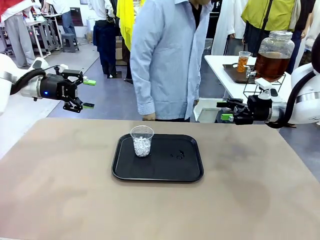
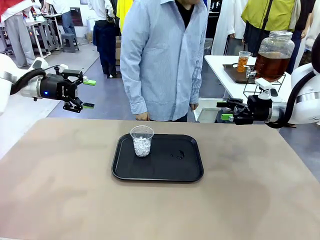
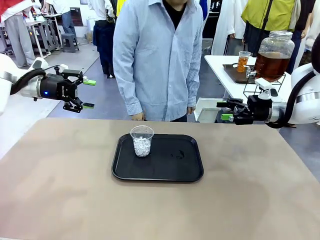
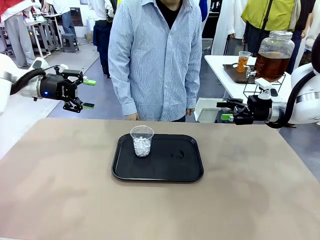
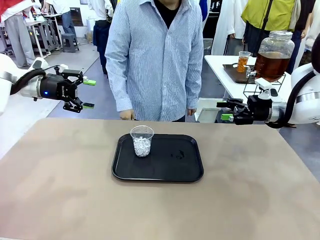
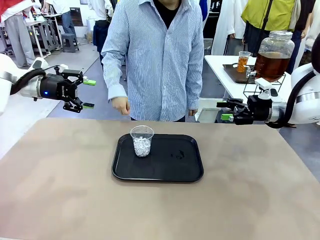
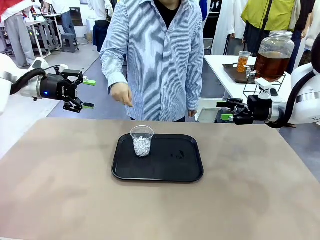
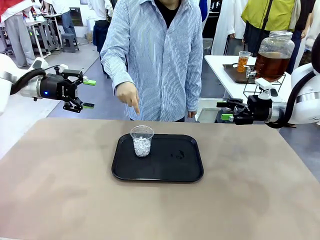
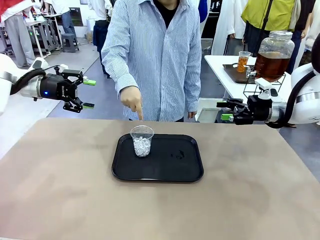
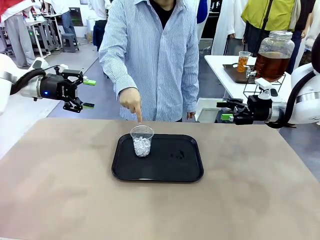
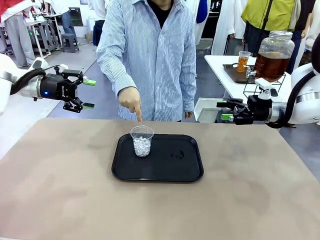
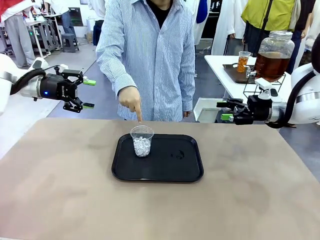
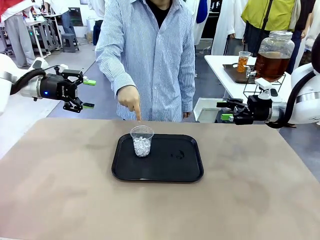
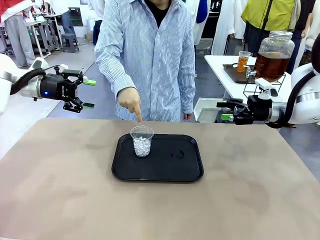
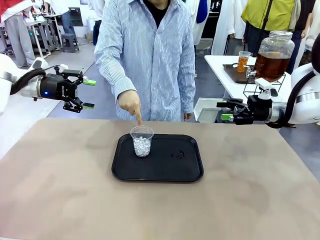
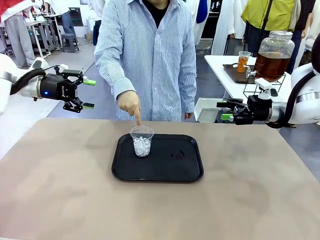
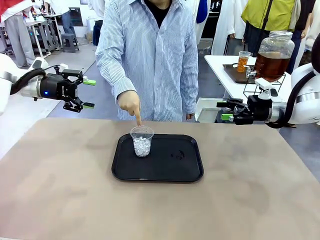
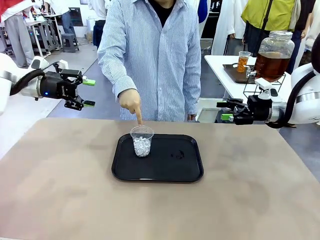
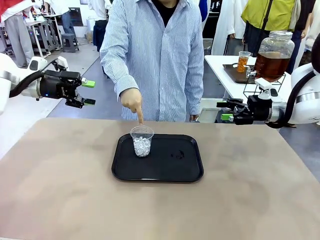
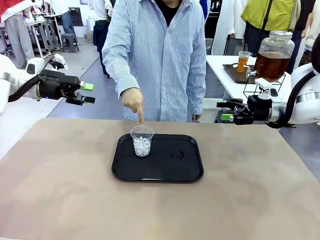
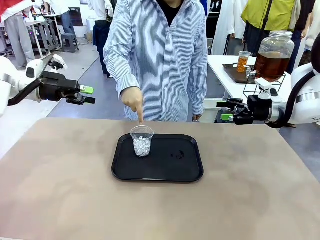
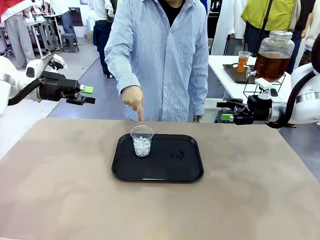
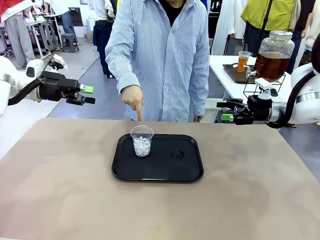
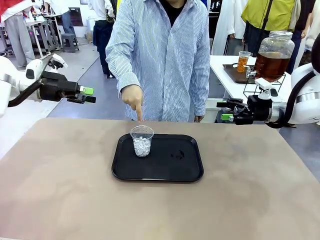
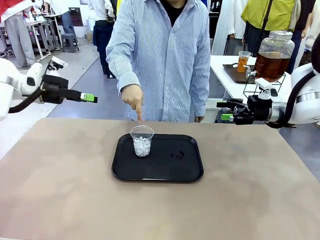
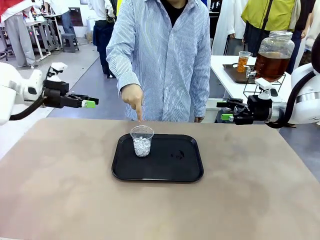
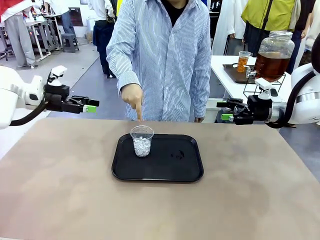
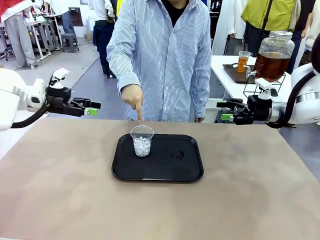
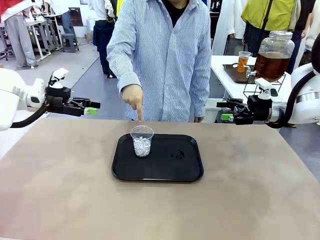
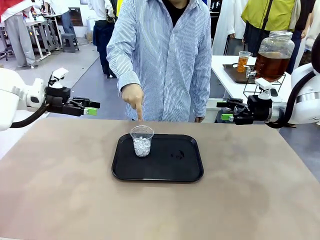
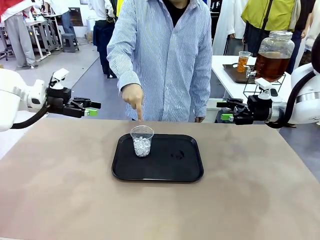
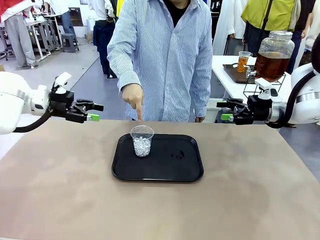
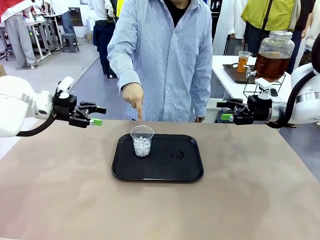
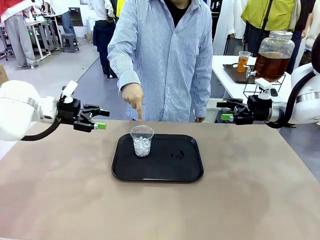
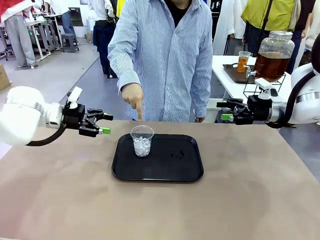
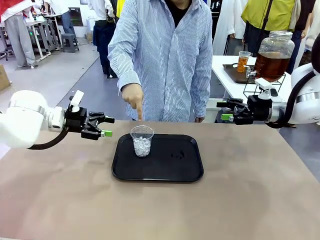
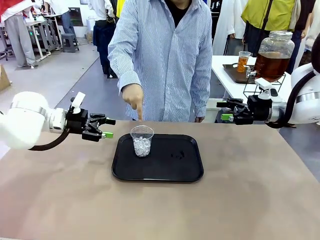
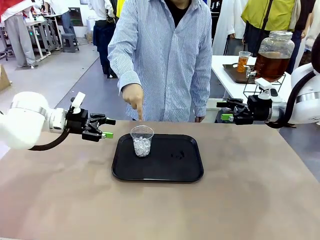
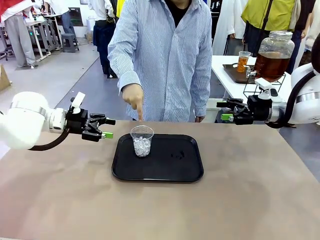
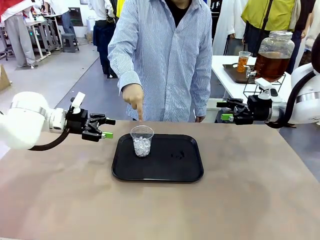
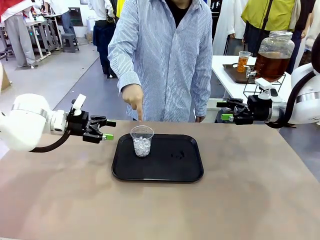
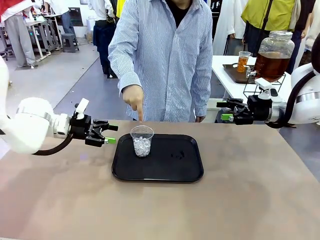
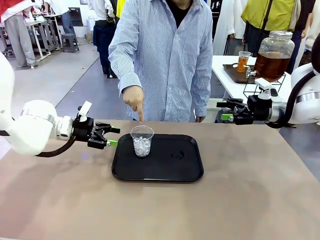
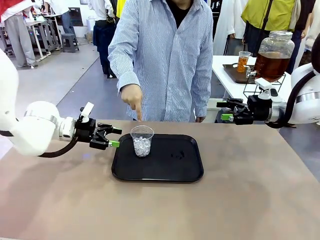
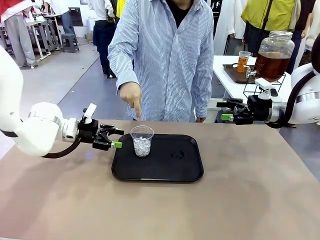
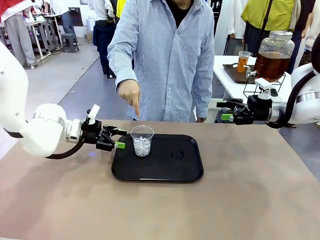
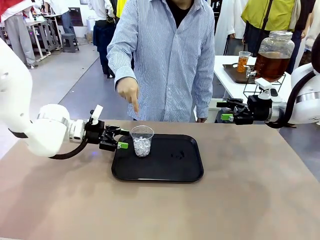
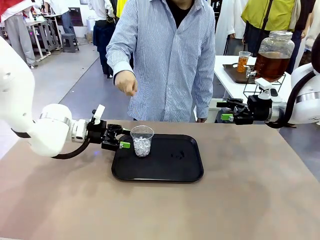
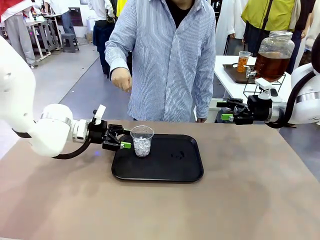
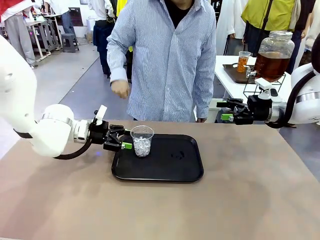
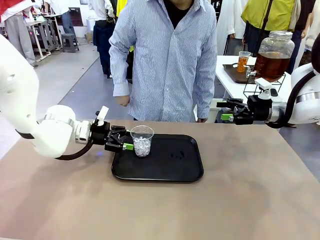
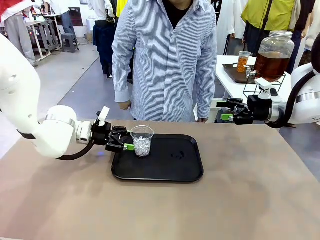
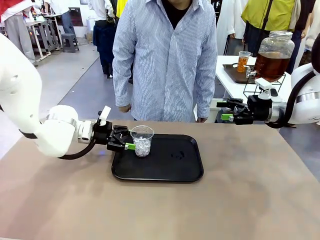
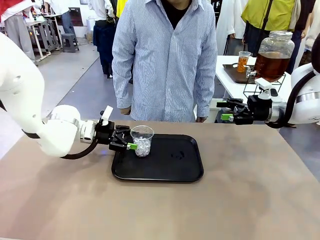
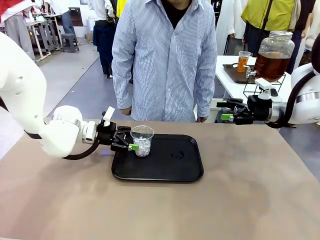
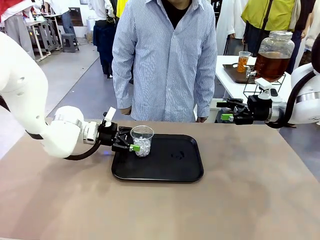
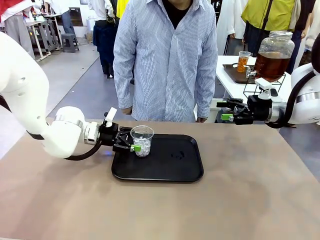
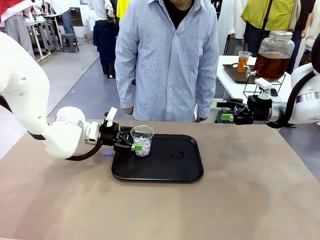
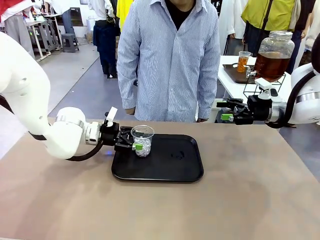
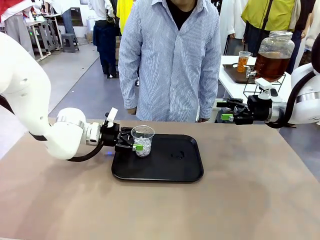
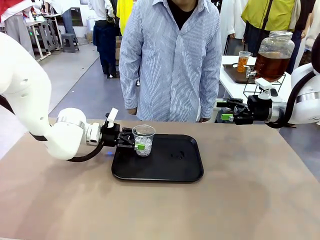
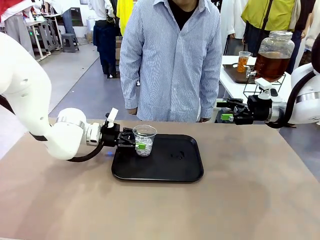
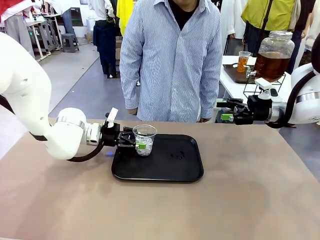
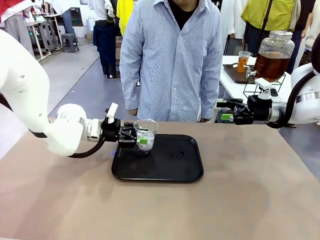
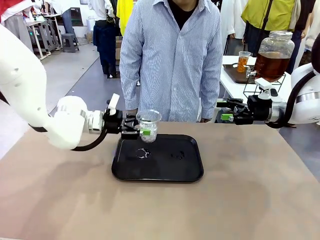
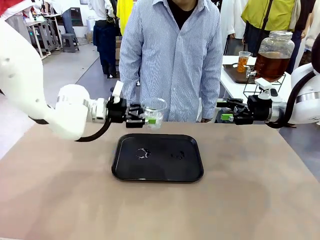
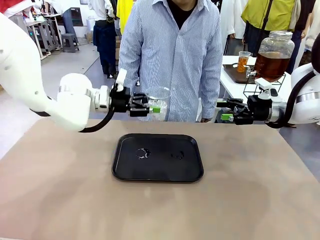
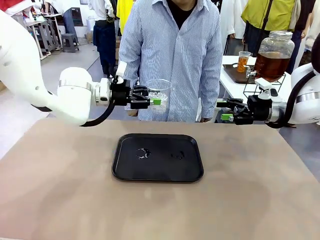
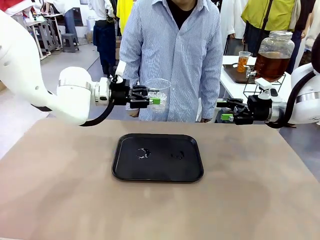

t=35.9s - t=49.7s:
Task: Pour the drink into the iced cup.
Robot: Pick up the iced cup indicated by the human and present it to them.
Person: Point to the remaining ice cup on the robot table. Pick up the cup offered by the robot.
